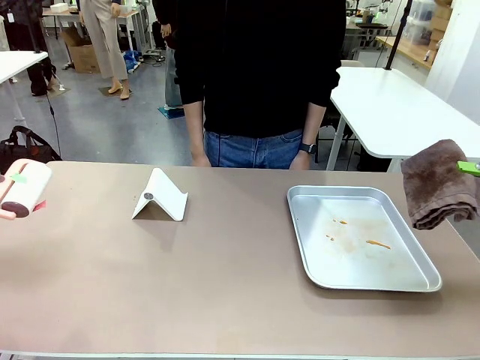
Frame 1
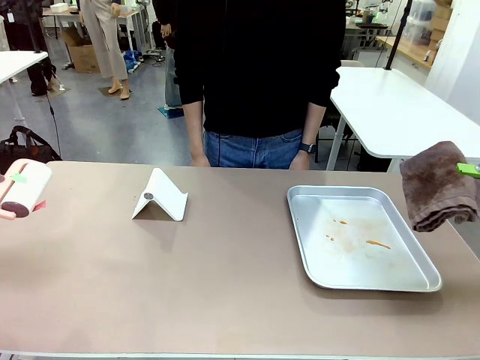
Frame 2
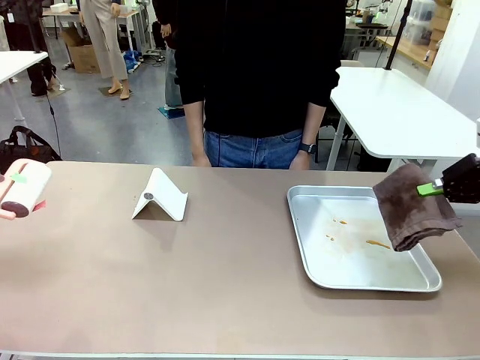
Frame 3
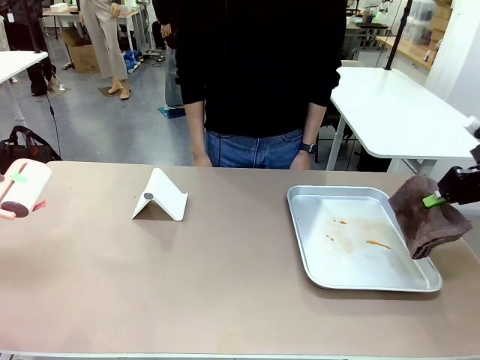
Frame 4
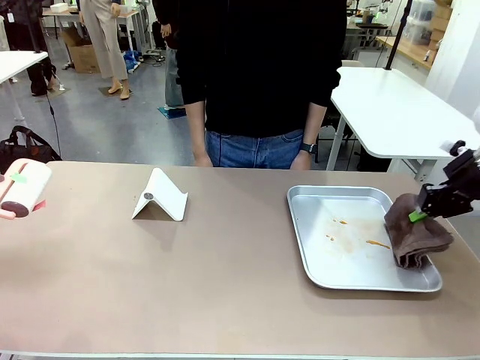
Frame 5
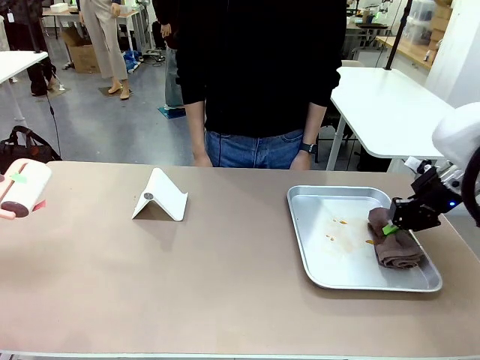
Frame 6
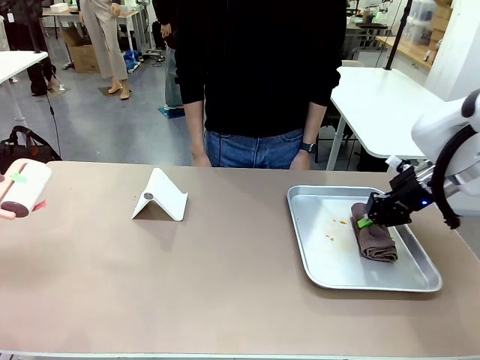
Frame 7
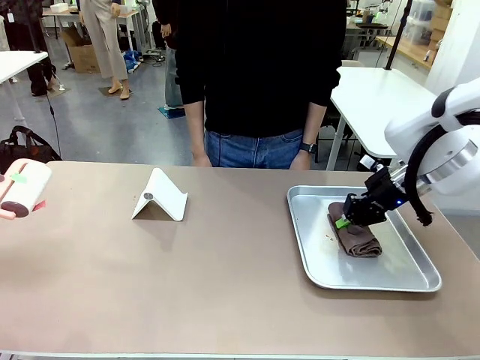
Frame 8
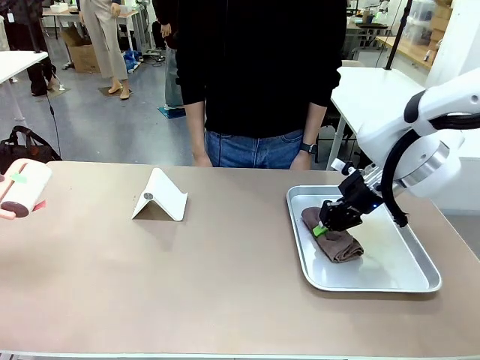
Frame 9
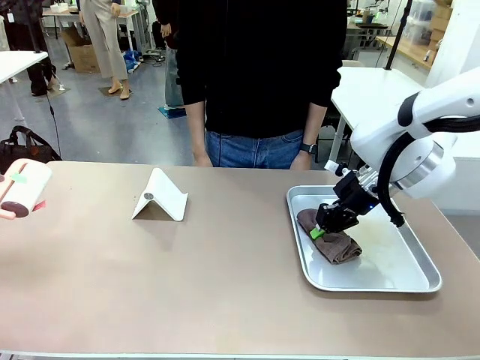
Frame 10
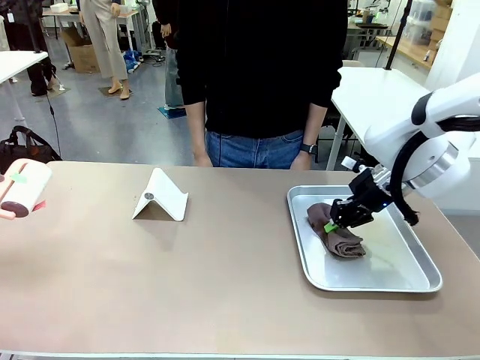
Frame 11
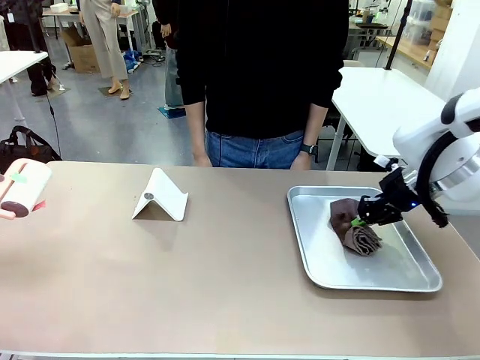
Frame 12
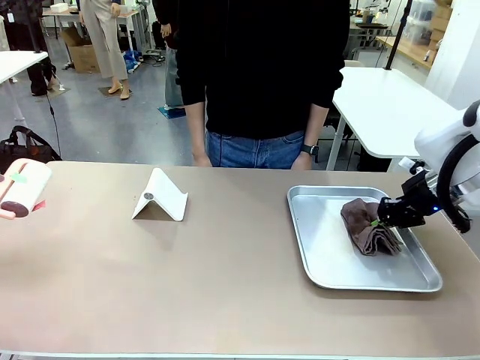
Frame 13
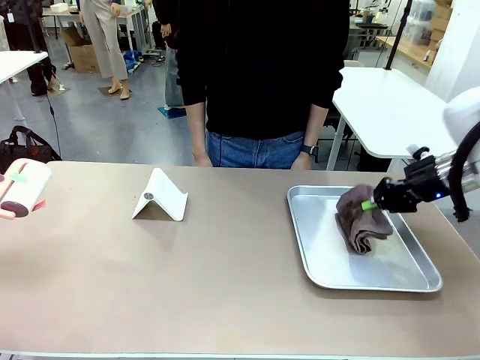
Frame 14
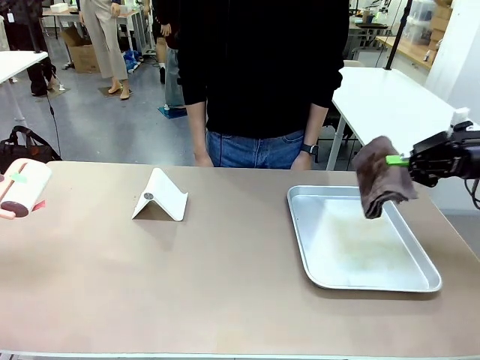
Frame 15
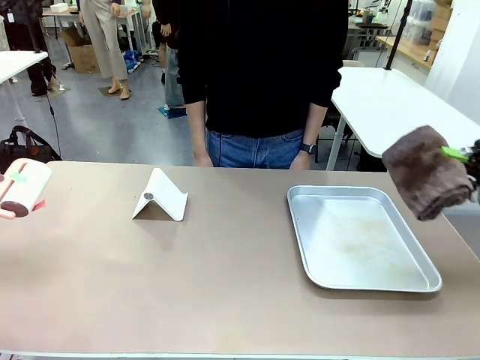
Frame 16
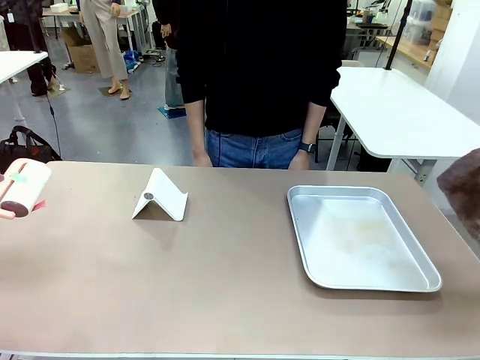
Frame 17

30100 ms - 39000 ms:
Task: Clean the surface of the table.
Robot: Clean the area not pointed to by the person.

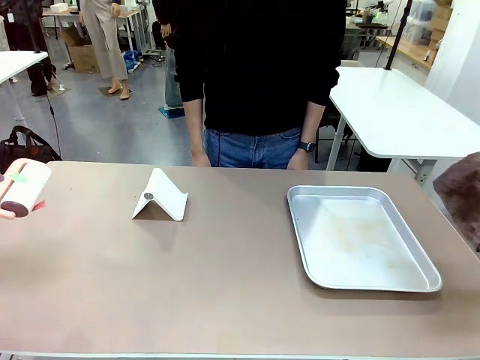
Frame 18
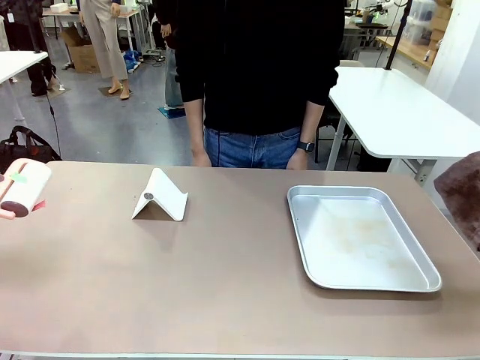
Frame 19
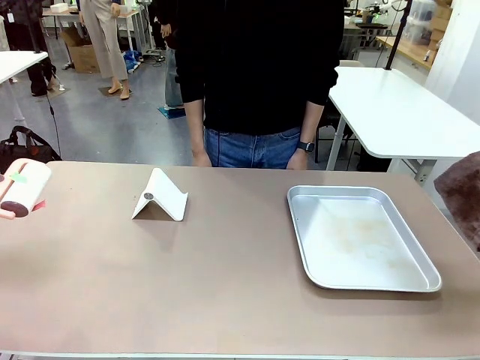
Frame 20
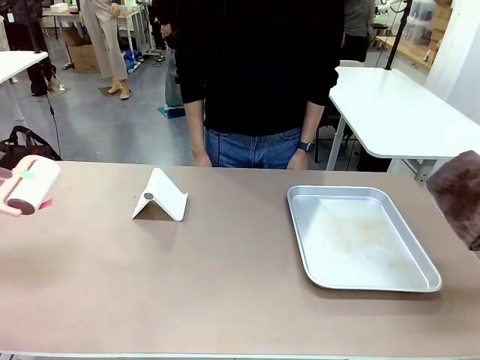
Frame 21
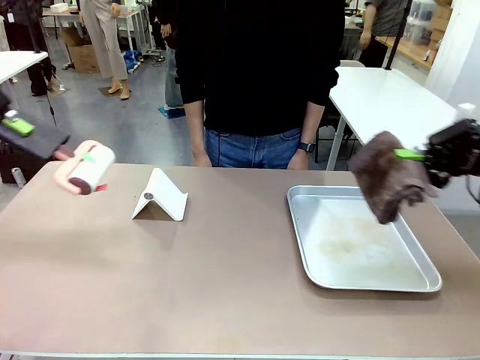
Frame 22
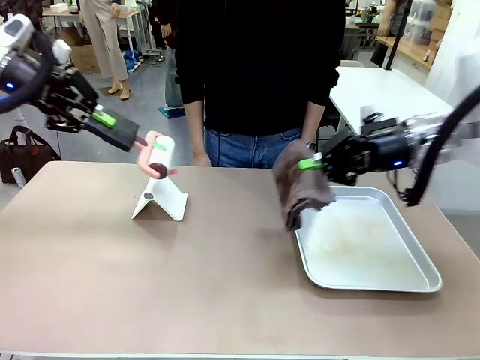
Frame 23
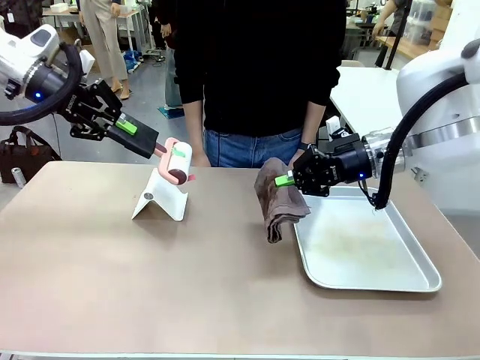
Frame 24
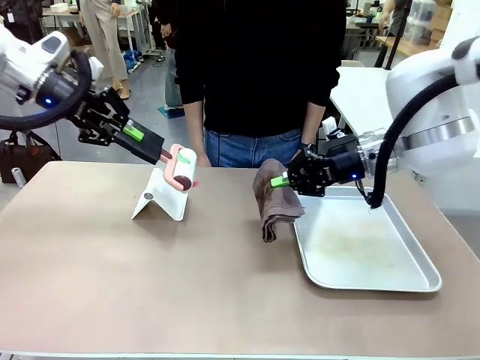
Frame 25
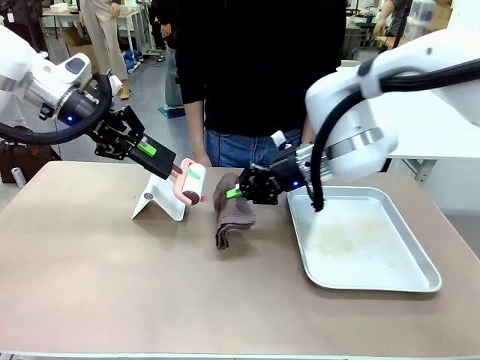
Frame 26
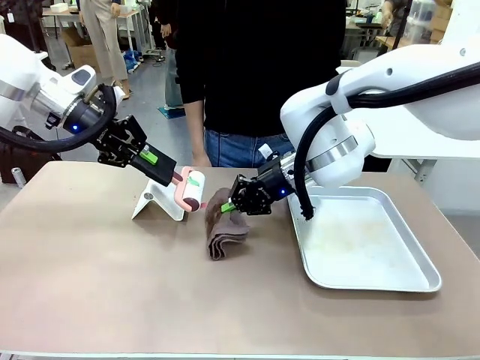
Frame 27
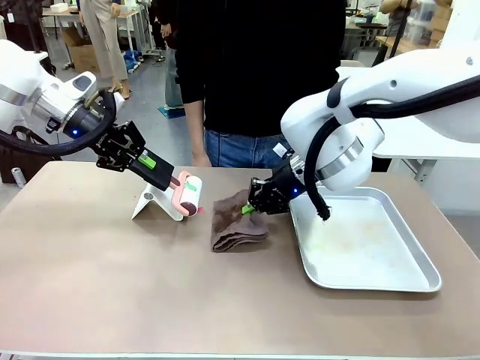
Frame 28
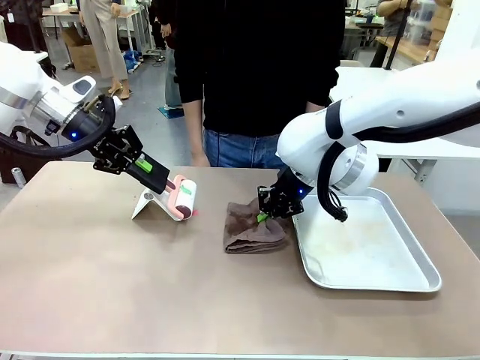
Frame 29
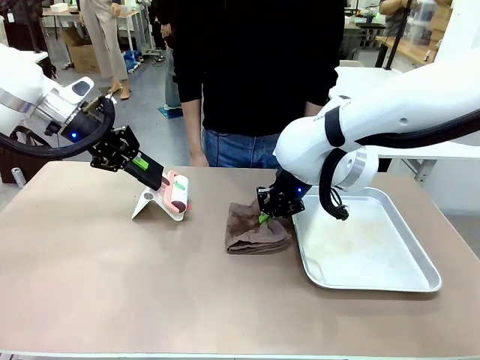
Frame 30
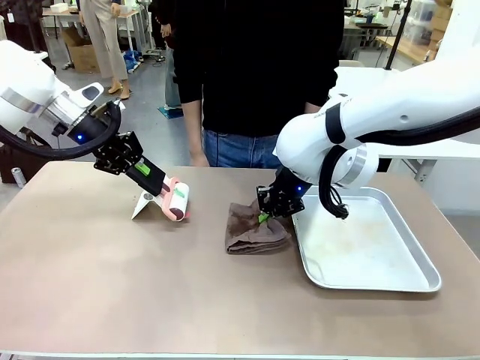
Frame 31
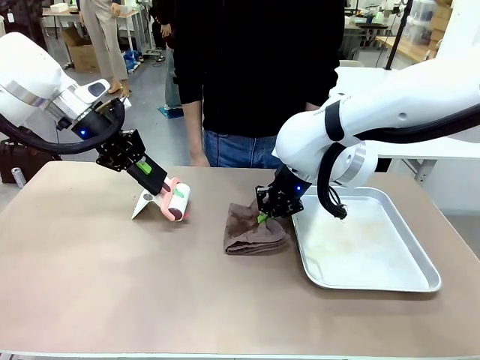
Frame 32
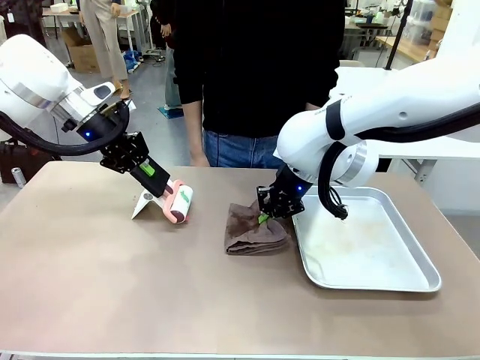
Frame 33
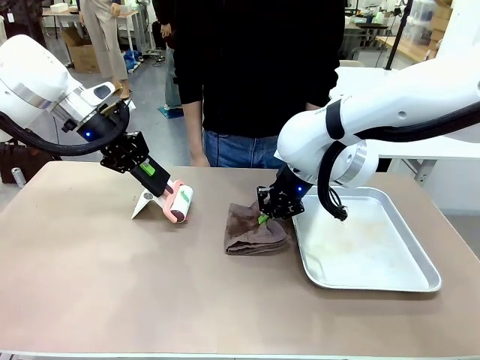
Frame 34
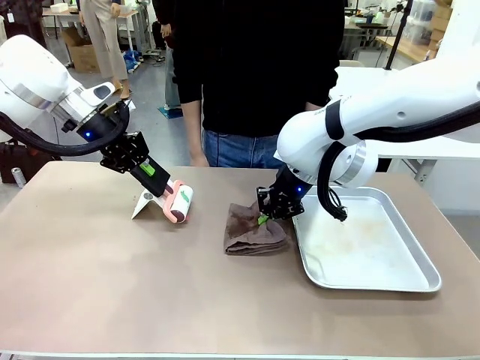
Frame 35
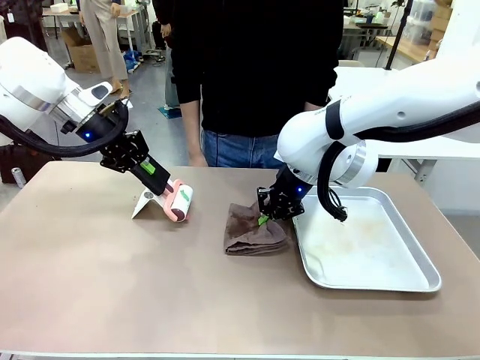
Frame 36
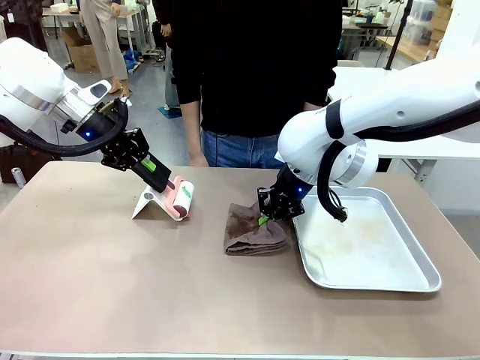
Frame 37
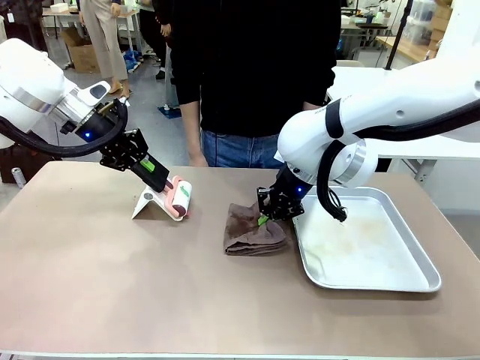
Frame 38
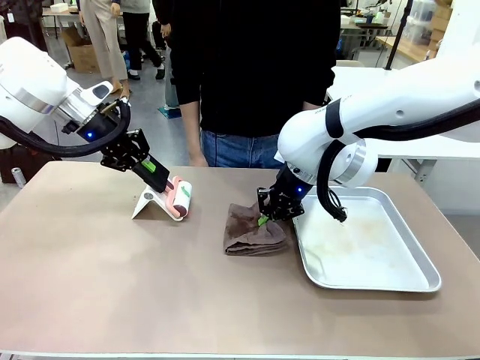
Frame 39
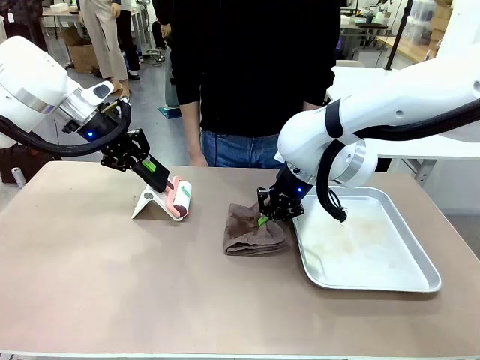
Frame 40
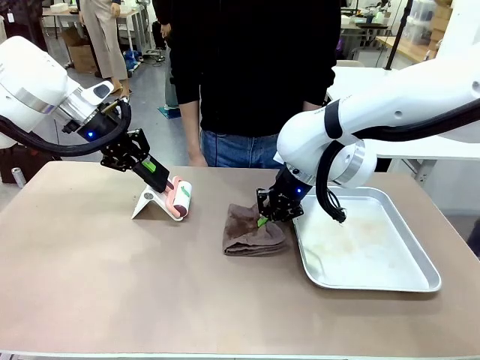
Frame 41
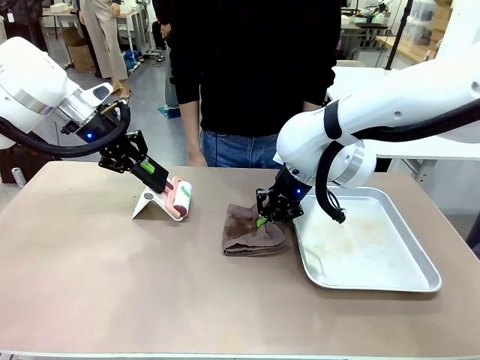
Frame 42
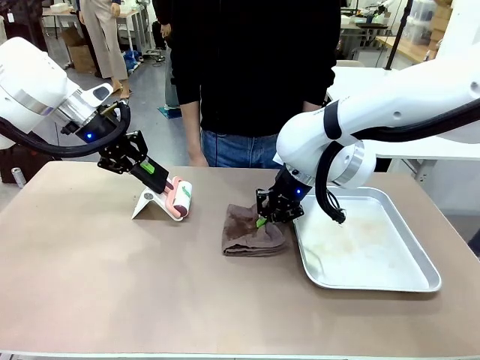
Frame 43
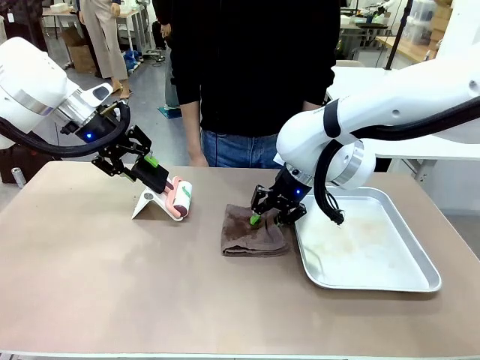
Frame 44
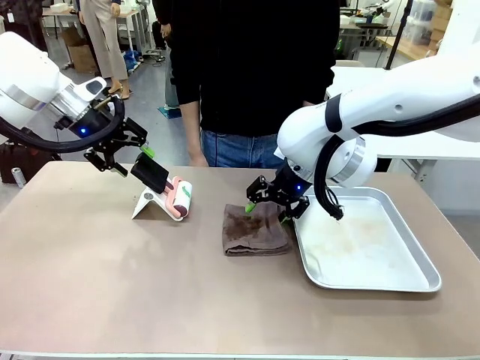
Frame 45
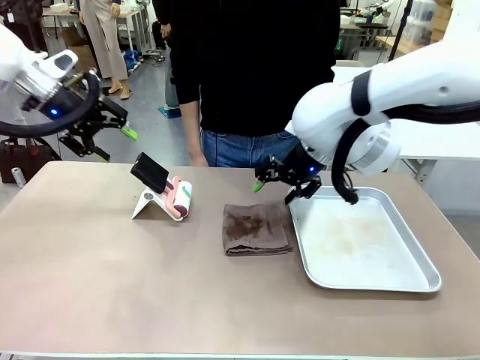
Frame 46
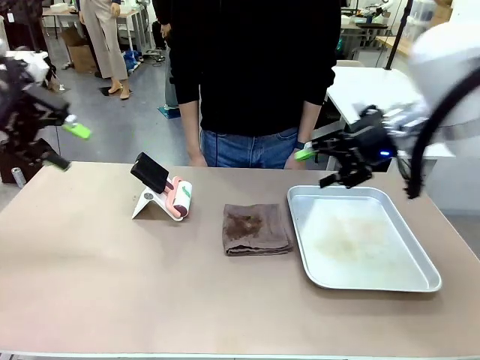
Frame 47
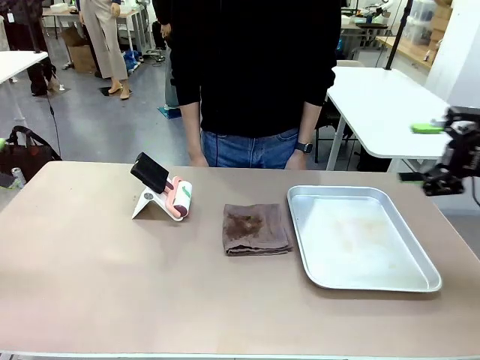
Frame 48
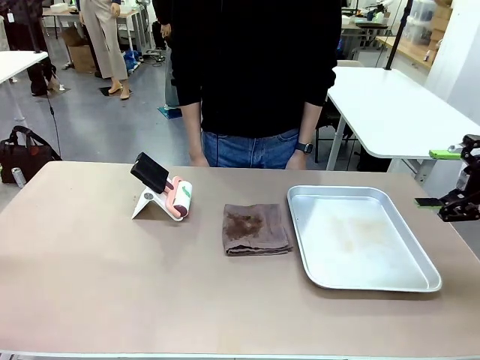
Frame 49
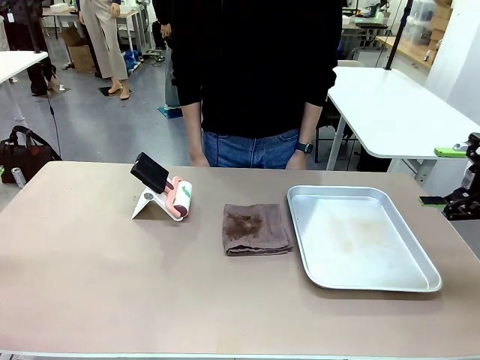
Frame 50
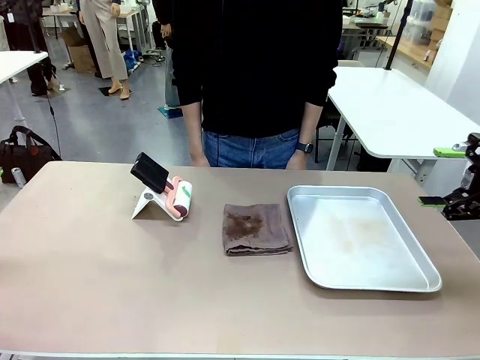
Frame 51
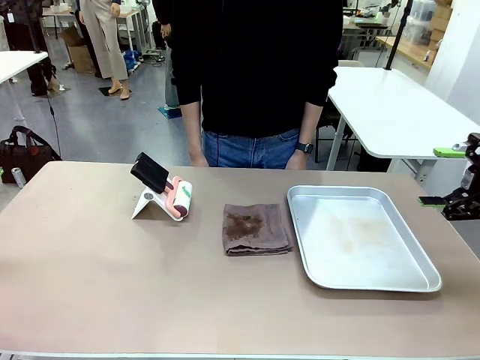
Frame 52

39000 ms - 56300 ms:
Robot: Return the Lint Roller and towel to their original positions.
